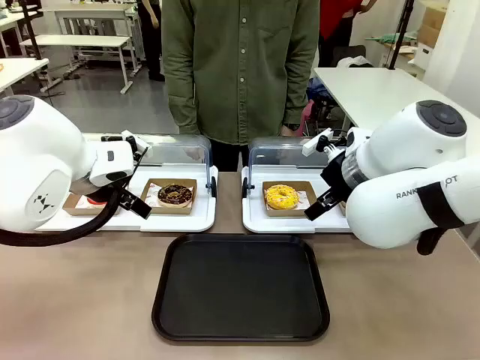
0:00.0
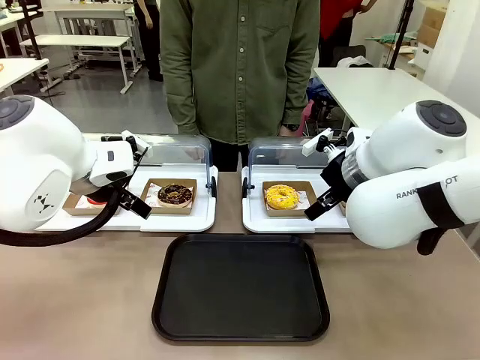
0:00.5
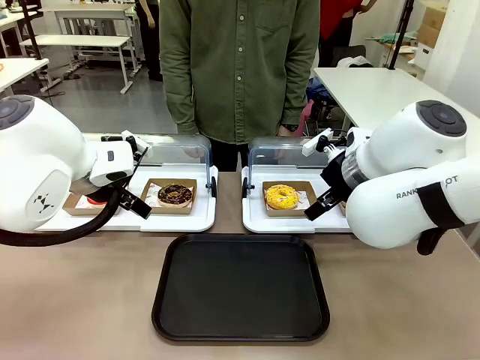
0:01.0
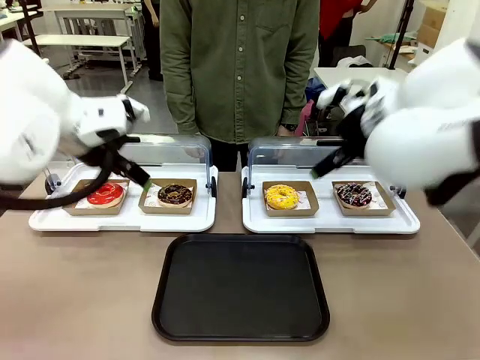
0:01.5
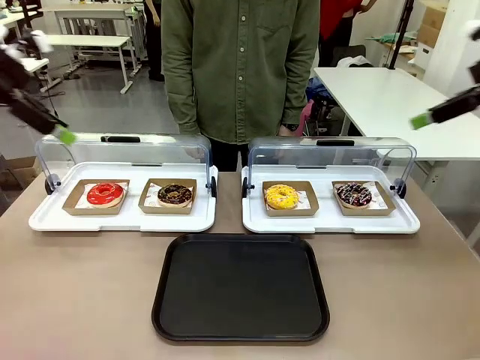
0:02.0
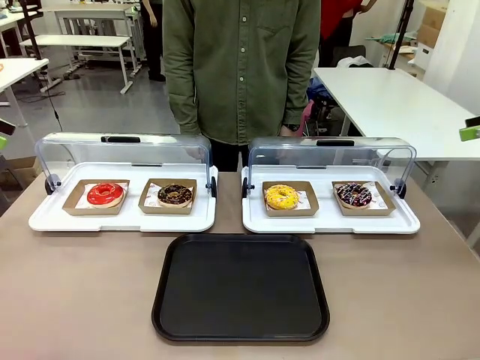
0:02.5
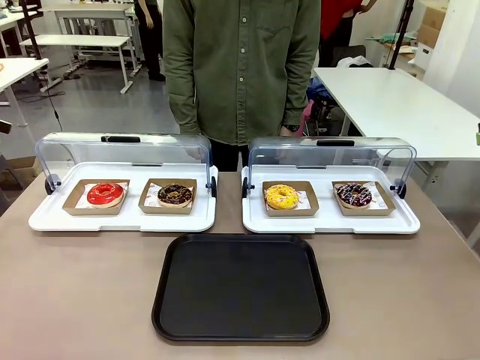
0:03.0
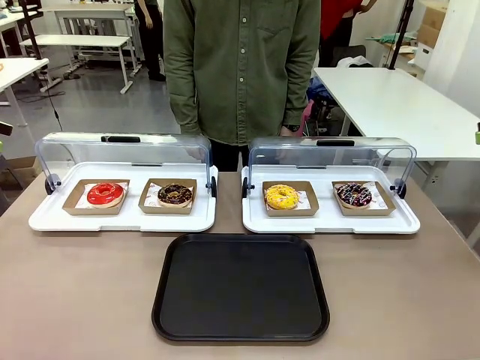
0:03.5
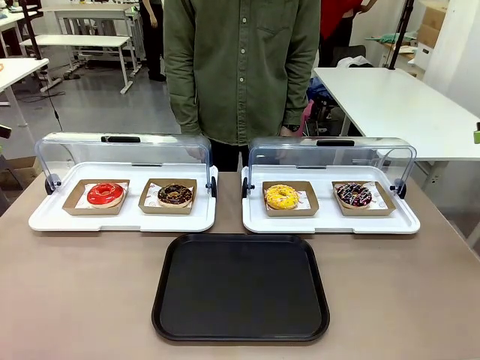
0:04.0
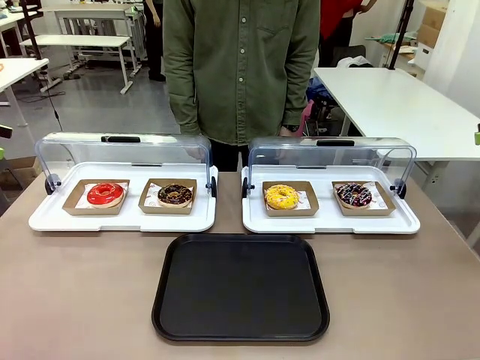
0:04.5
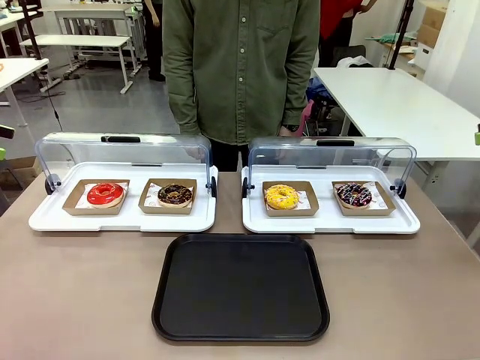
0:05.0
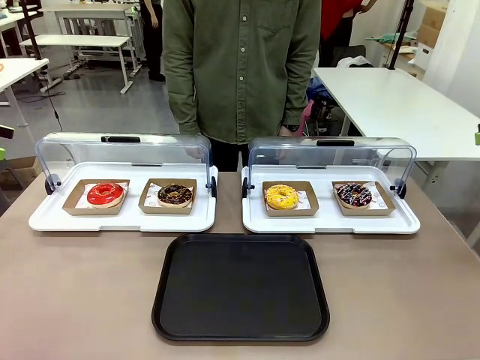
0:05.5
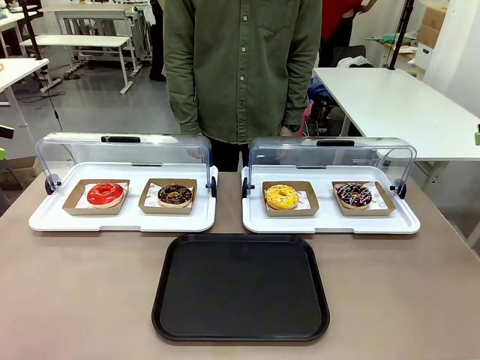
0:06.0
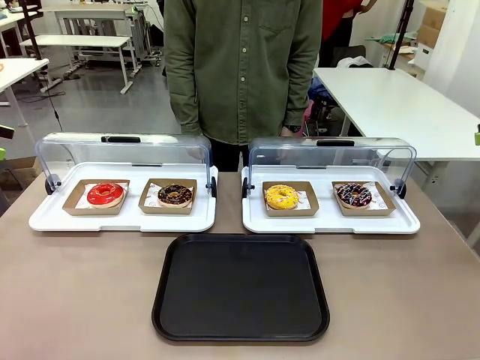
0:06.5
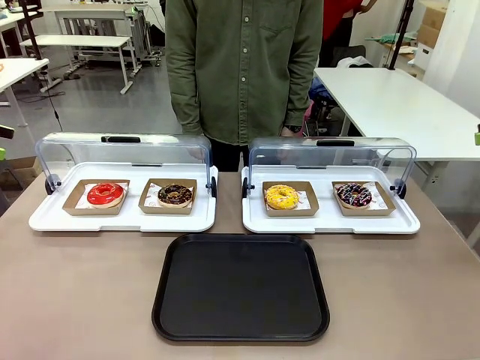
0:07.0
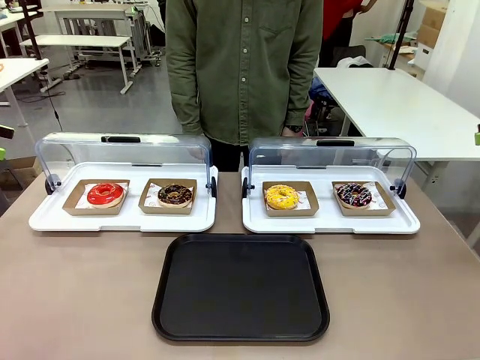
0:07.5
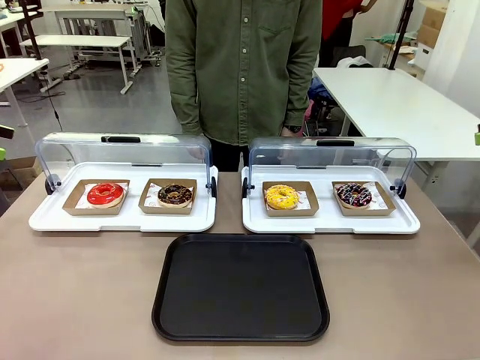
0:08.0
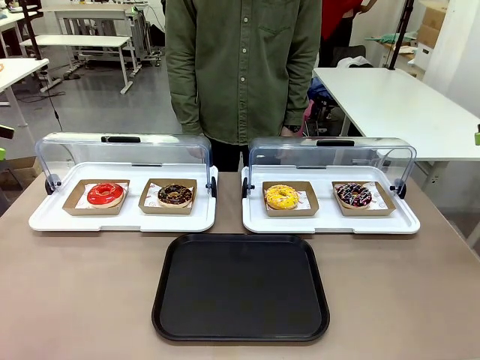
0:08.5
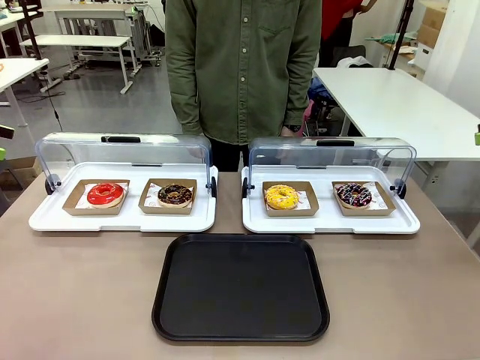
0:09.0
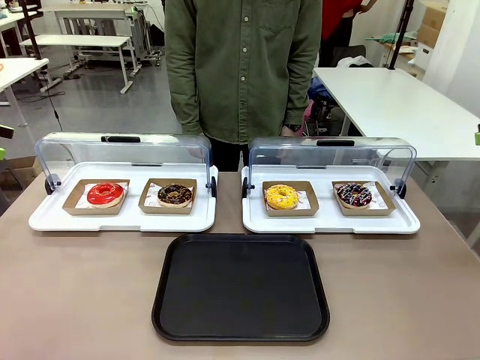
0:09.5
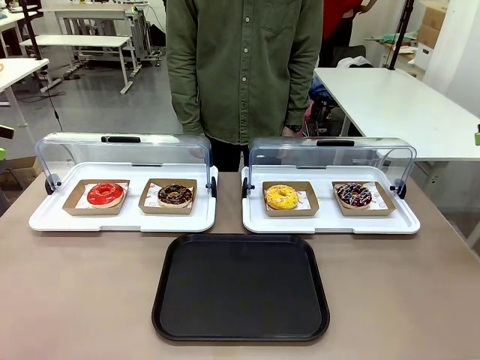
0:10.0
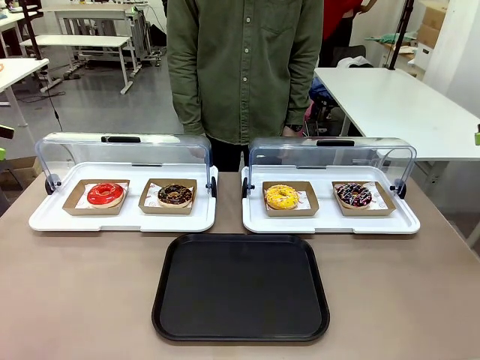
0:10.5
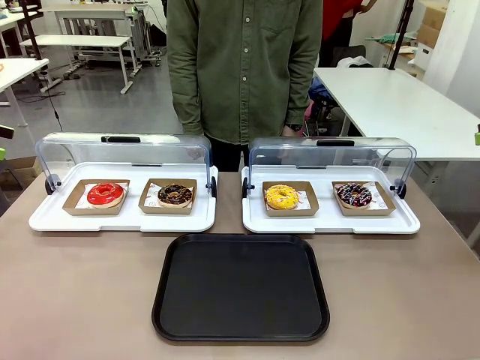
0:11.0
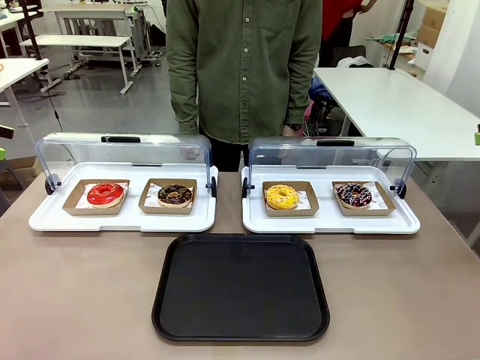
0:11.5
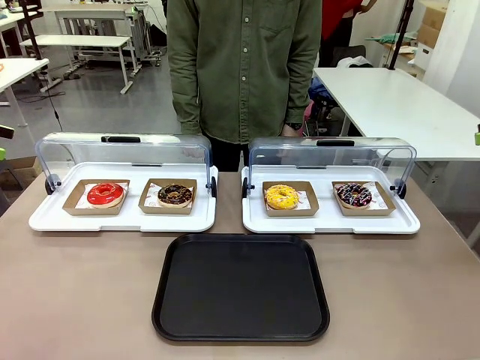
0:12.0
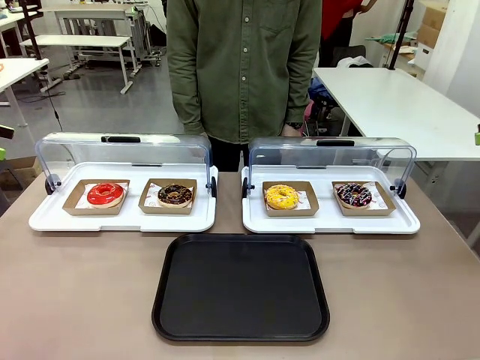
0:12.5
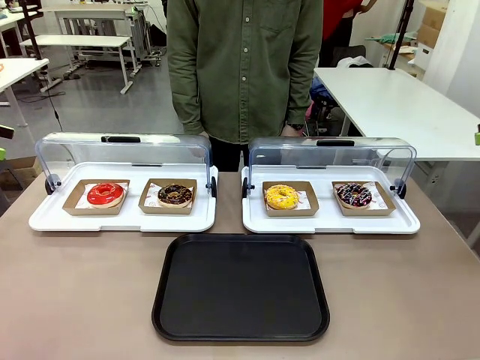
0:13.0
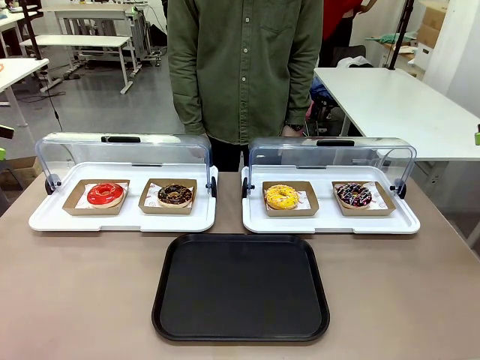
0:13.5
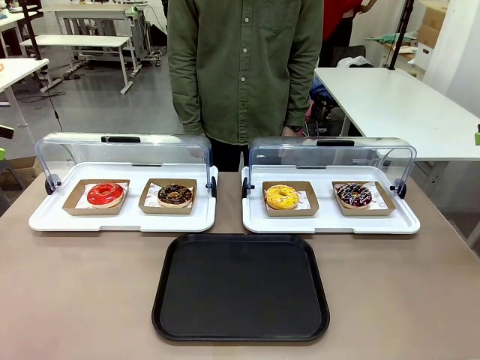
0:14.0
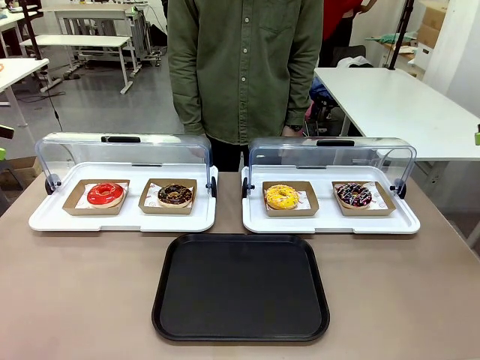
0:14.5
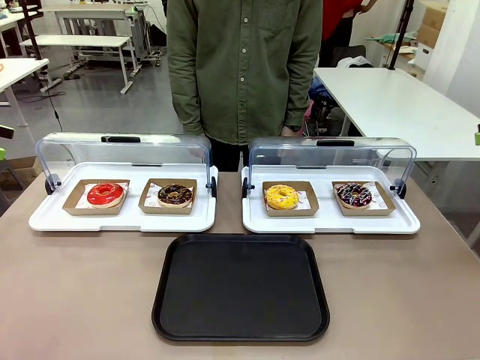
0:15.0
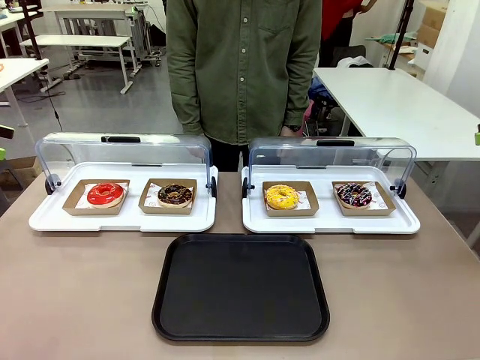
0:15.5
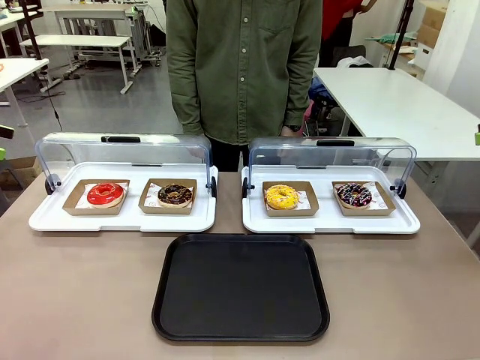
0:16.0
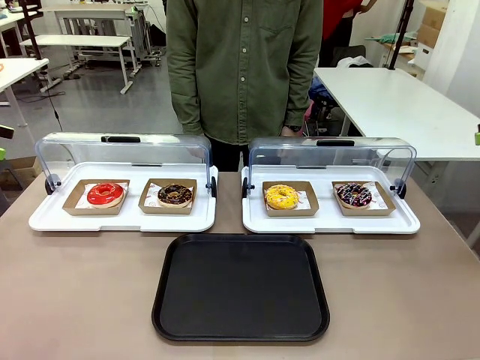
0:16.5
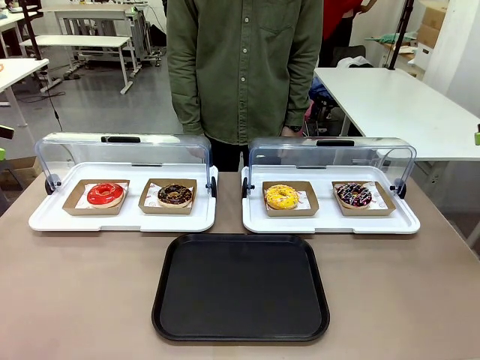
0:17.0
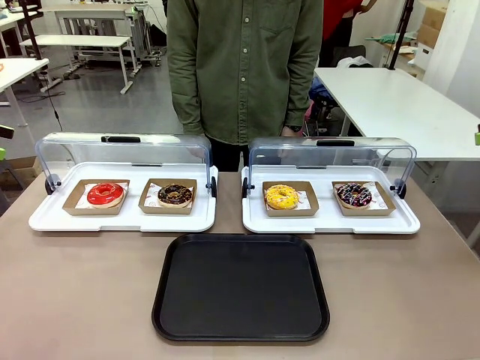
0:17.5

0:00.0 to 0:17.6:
Task: Move the second donut from the left to the tray.
Robot: Pick up the Paper togo box containing the Donut indicated by the person and place it on the Handle tray.

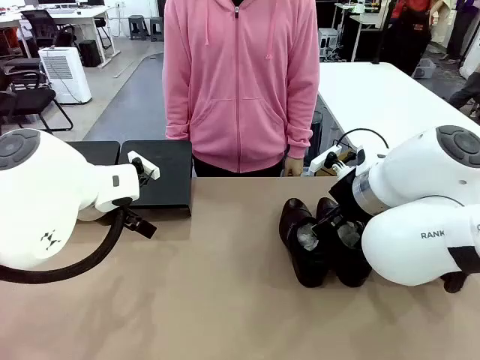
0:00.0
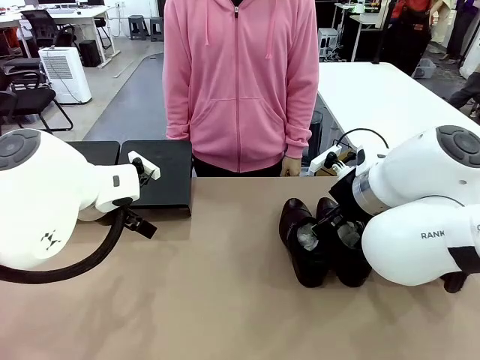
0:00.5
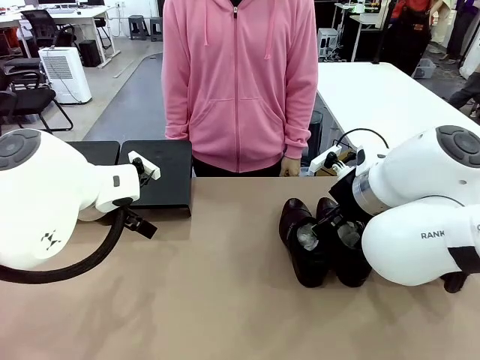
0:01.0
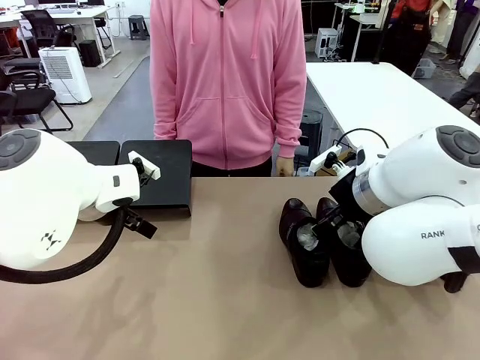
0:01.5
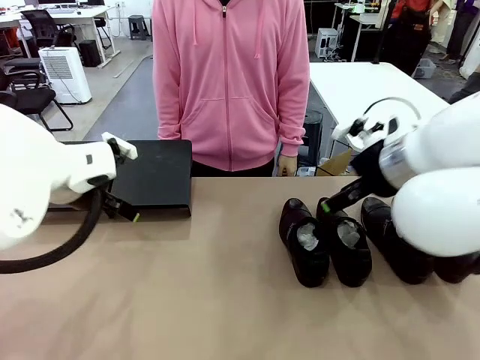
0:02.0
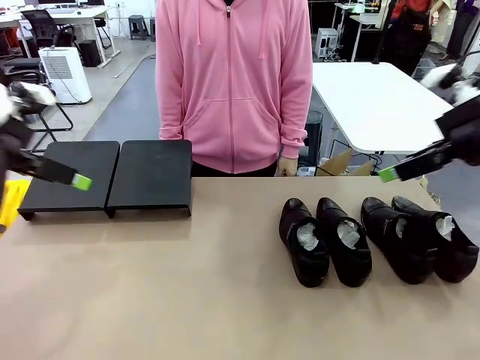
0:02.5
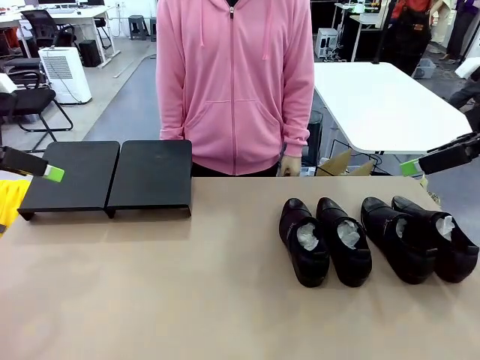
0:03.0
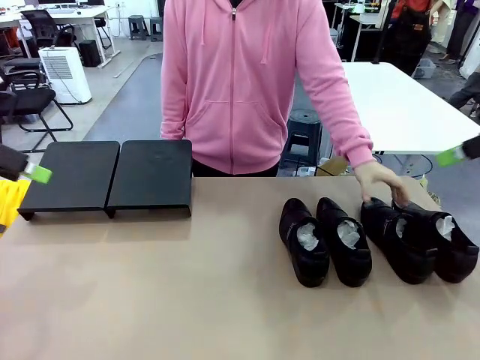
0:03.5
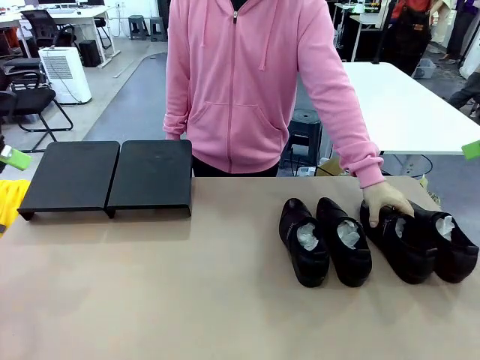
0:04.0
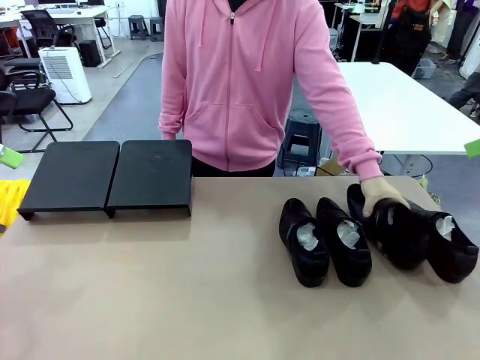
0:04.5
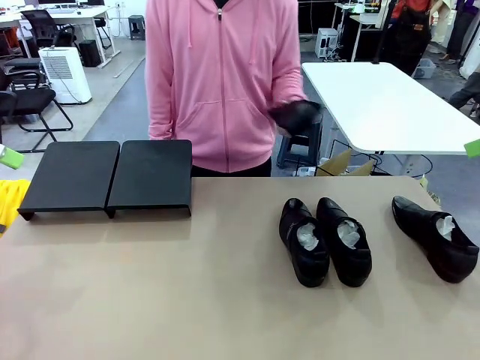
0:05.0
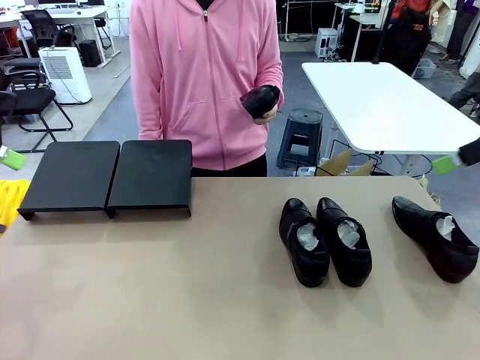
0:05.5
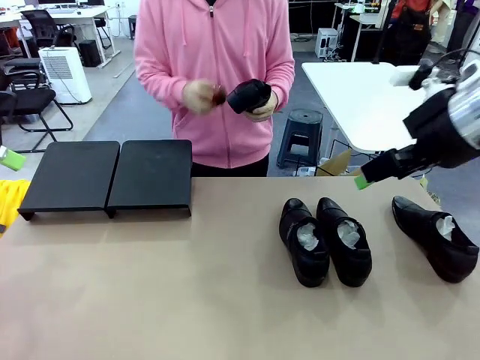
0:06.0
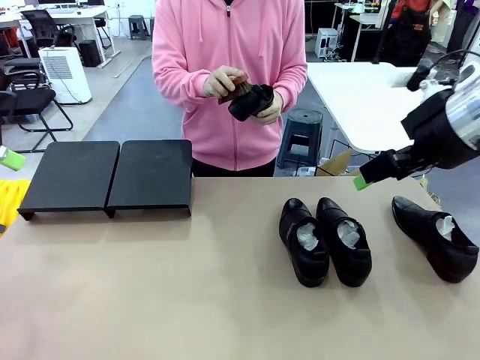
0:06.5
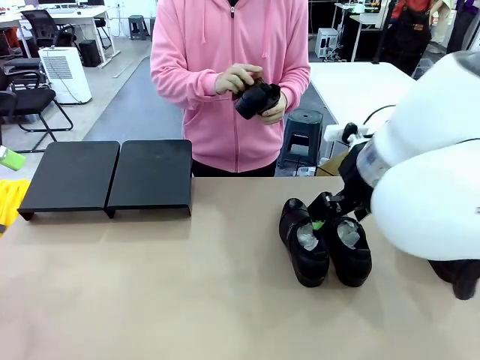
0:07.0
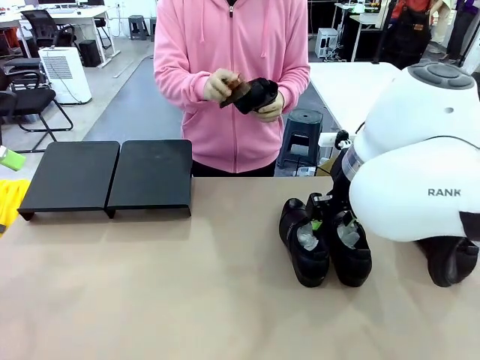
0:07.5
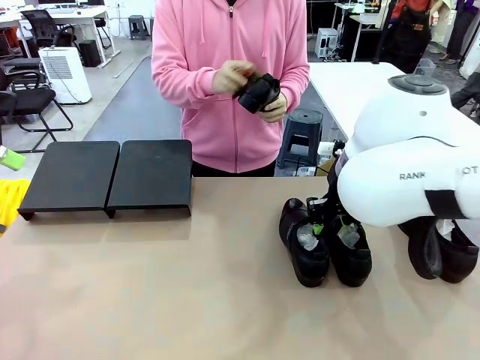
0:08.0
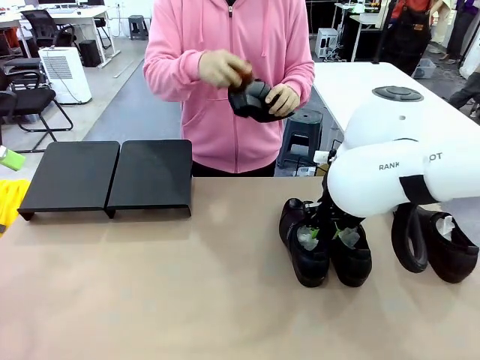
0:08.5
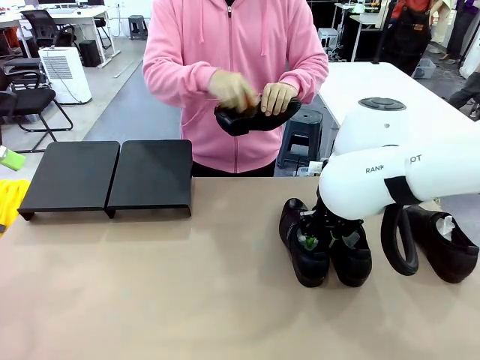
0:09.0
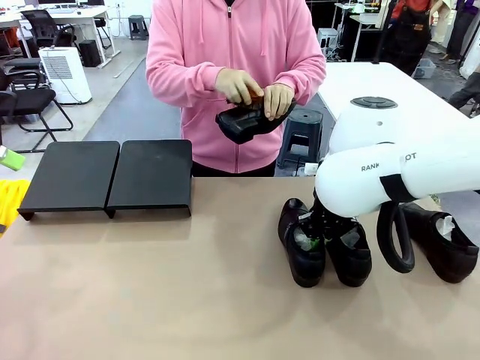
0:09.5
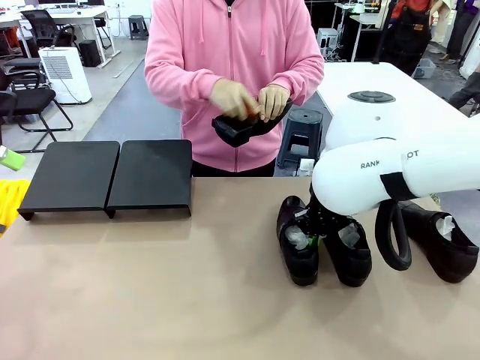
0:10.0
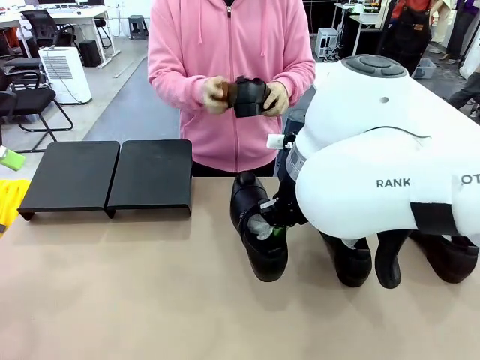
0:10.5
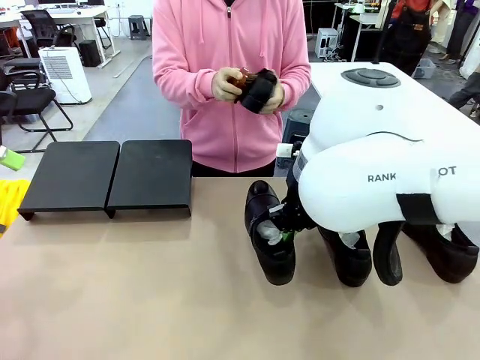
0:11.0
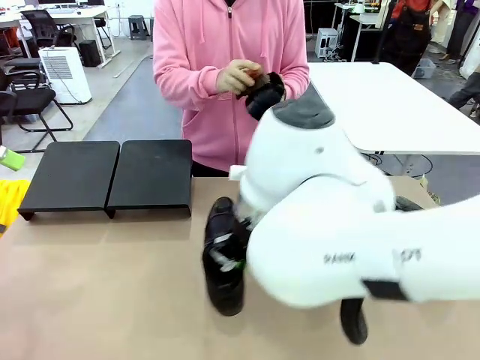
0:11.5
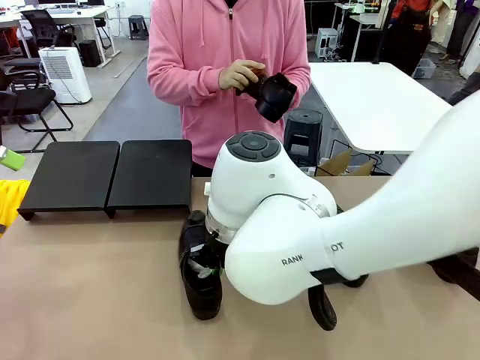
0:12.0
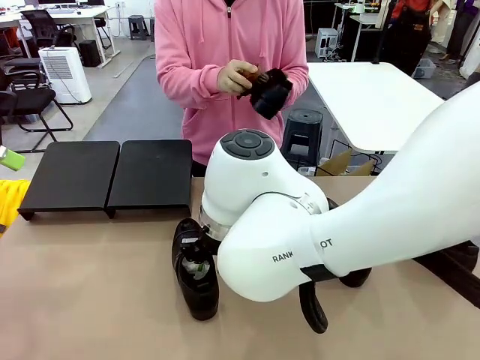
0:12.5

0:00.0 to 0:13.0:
Task: Organize the shoes by placing them on the stand.
Robot: Pick up one Shoe and place it in the middle of the table.
Person: Pick one Shoe on Robot's table. Clean the Shoe with the Shoe Brush.
